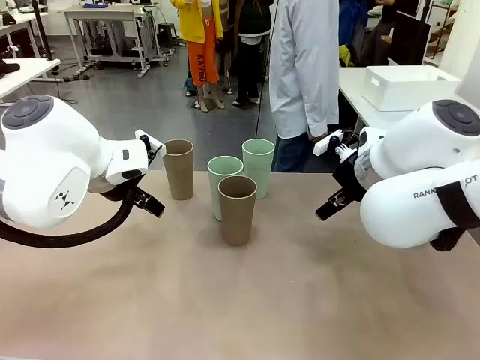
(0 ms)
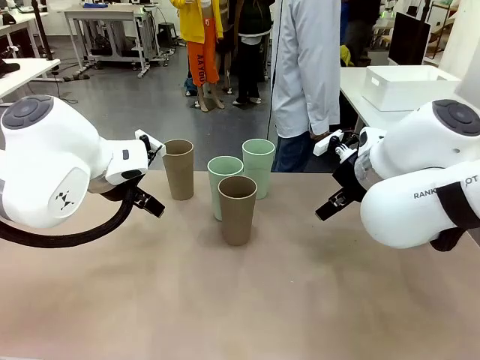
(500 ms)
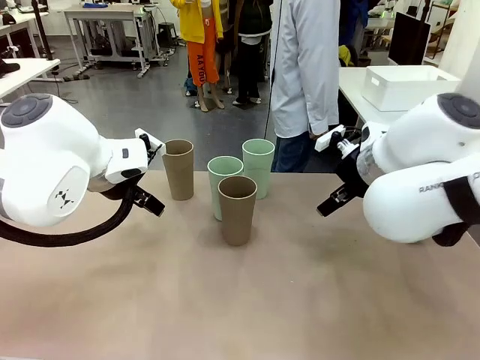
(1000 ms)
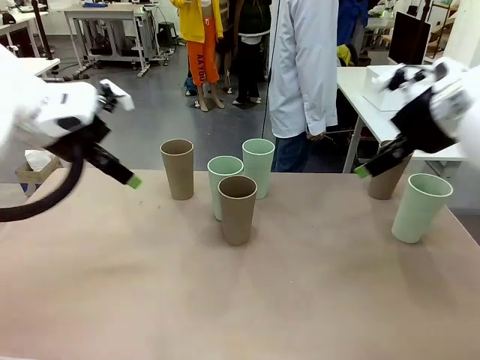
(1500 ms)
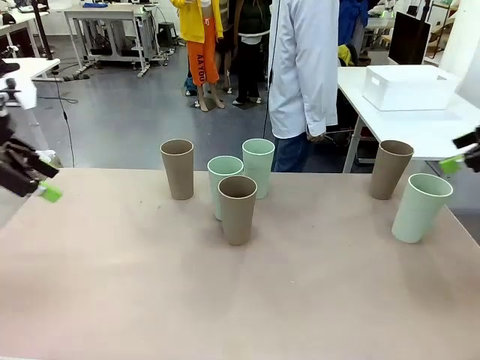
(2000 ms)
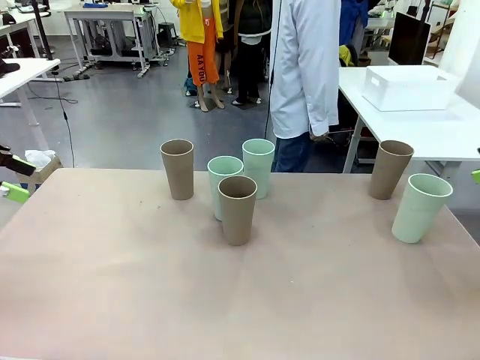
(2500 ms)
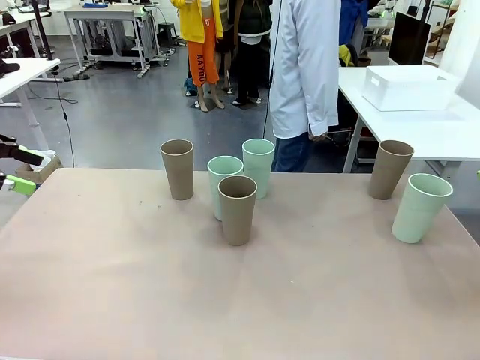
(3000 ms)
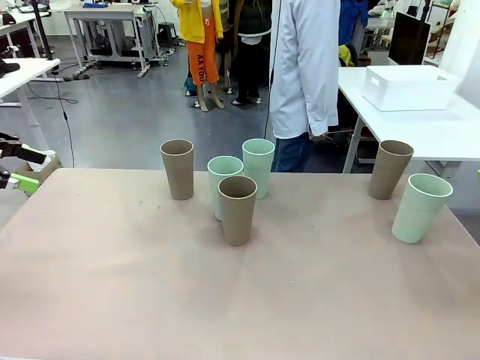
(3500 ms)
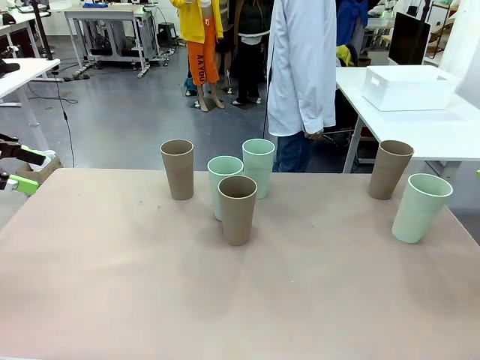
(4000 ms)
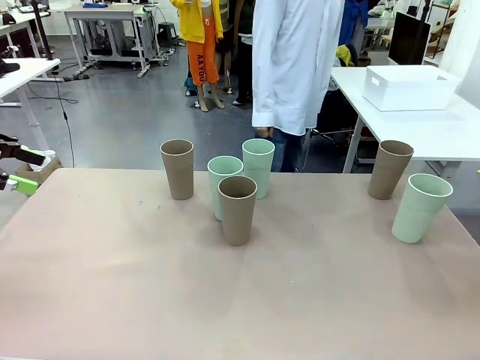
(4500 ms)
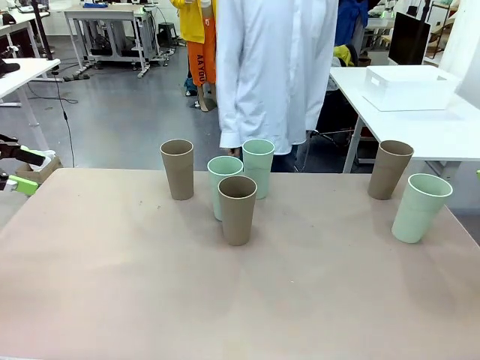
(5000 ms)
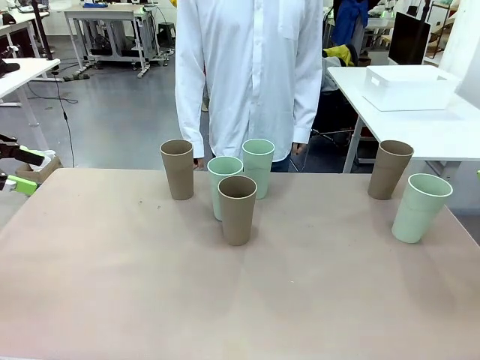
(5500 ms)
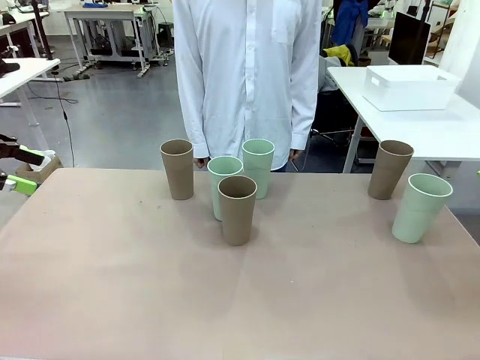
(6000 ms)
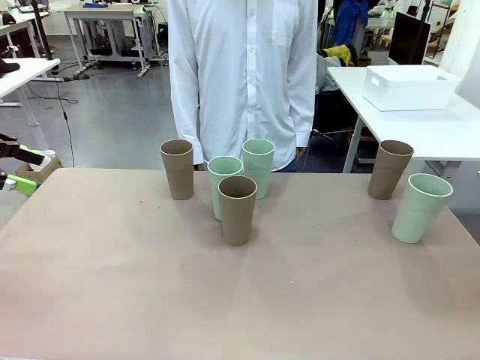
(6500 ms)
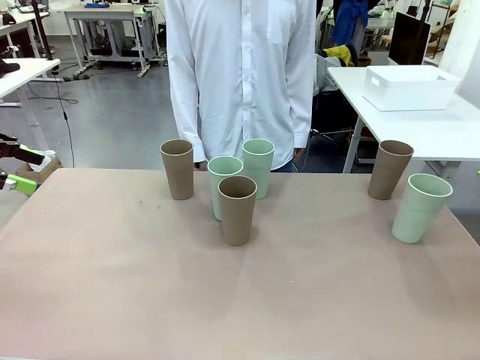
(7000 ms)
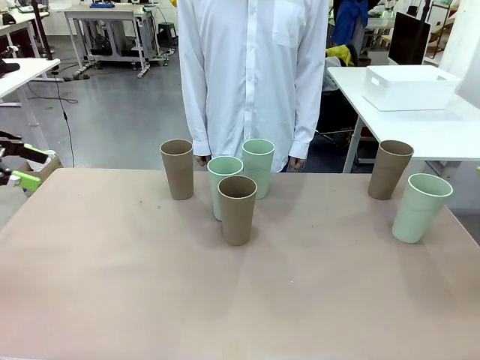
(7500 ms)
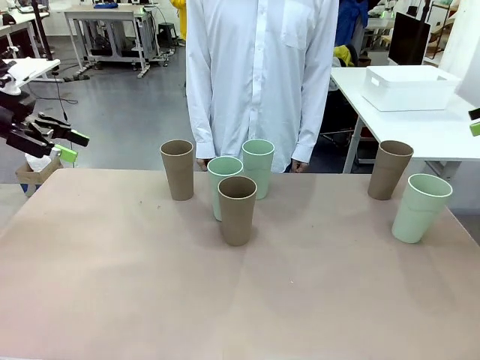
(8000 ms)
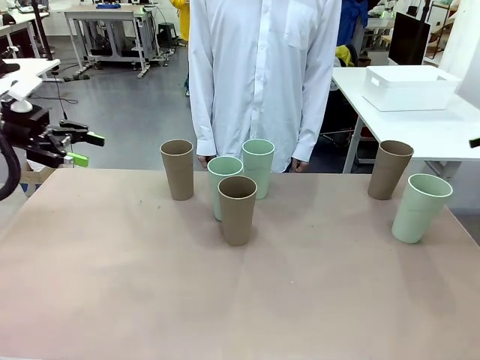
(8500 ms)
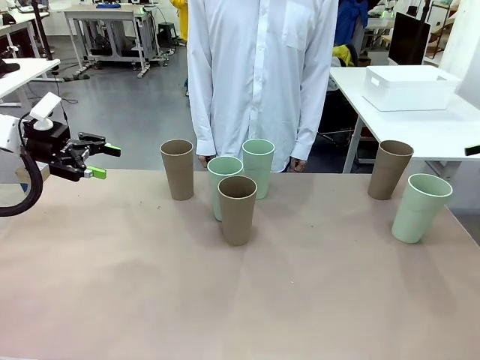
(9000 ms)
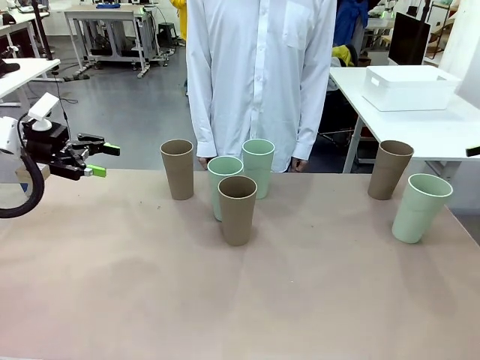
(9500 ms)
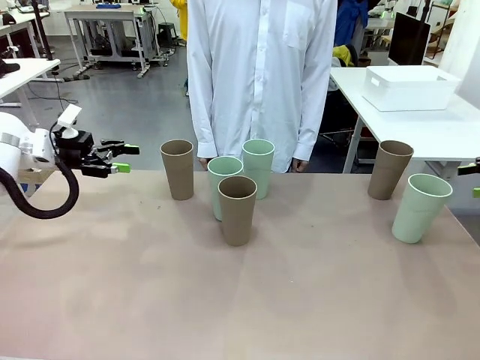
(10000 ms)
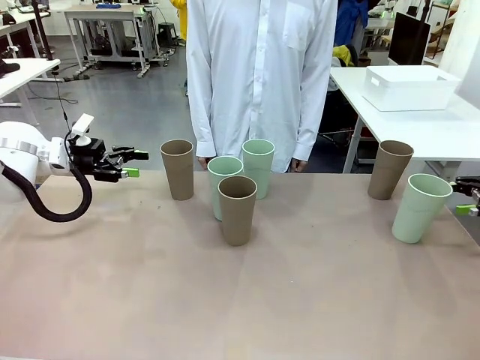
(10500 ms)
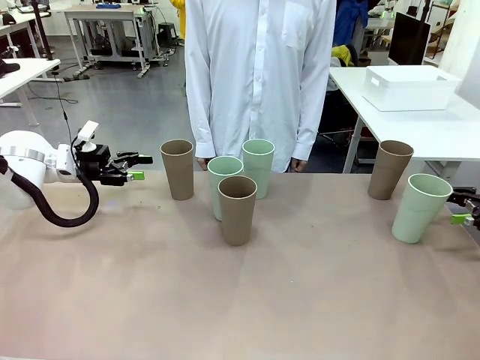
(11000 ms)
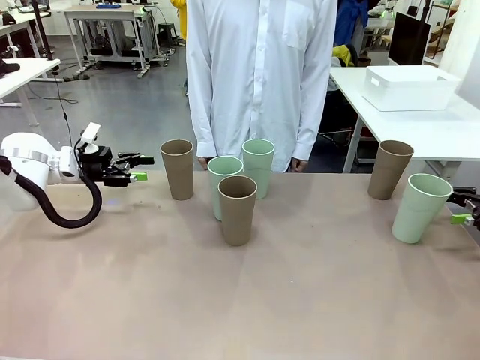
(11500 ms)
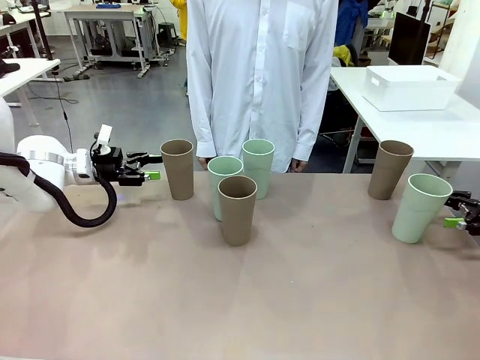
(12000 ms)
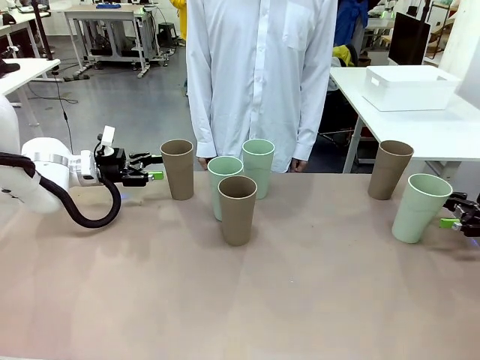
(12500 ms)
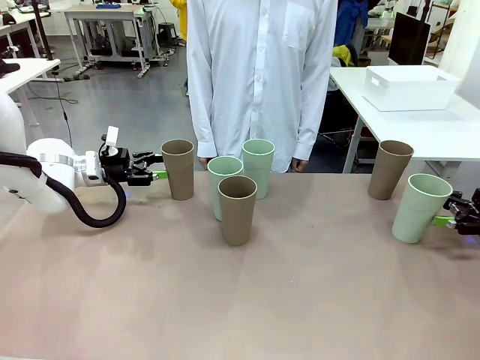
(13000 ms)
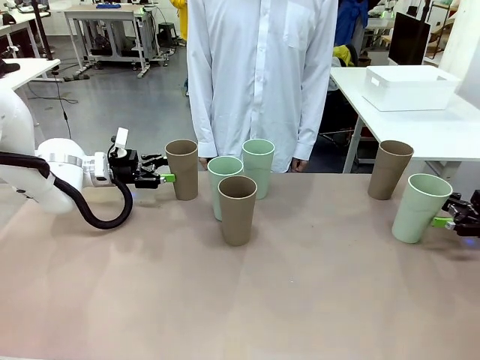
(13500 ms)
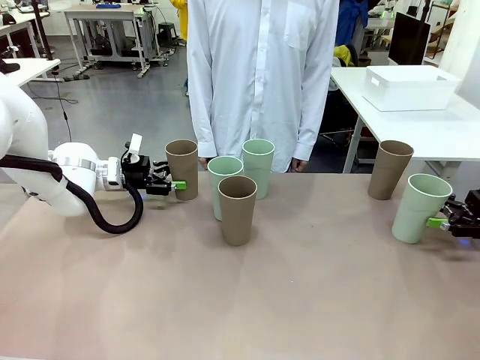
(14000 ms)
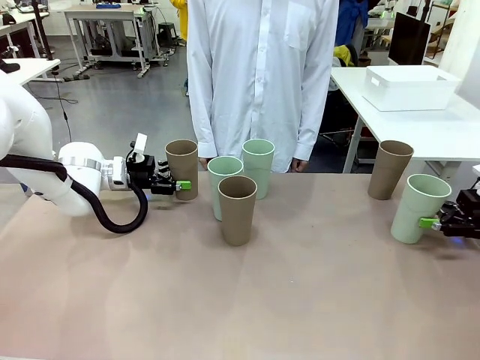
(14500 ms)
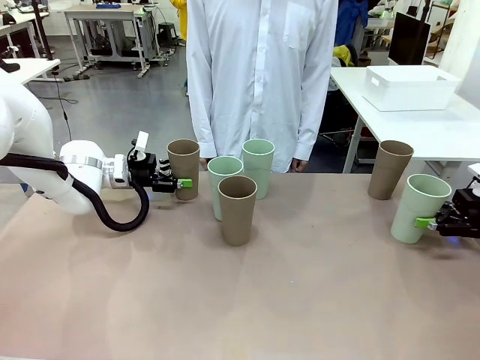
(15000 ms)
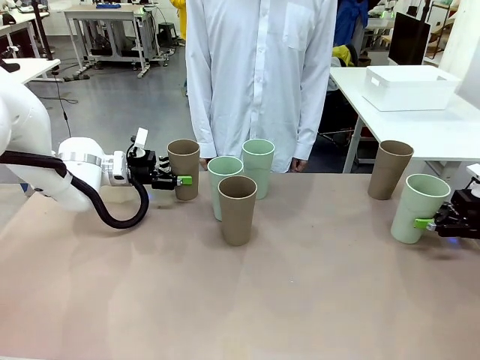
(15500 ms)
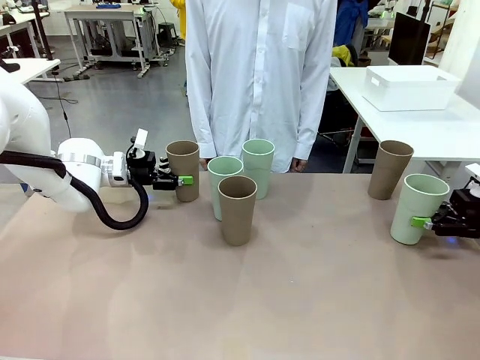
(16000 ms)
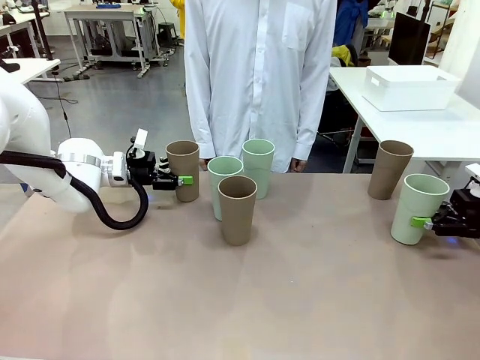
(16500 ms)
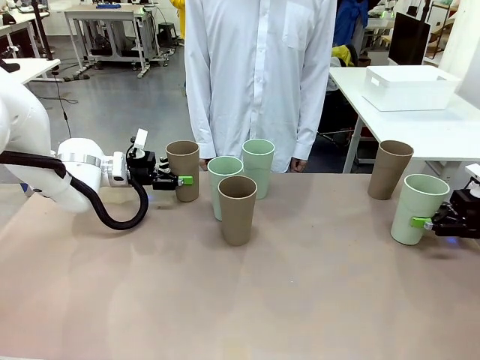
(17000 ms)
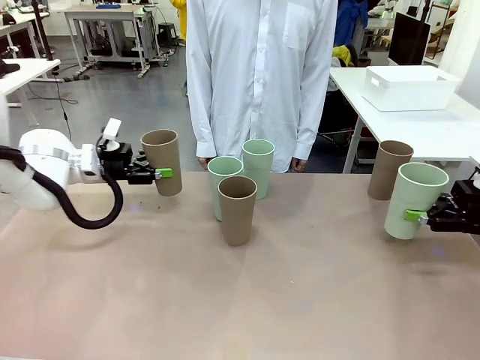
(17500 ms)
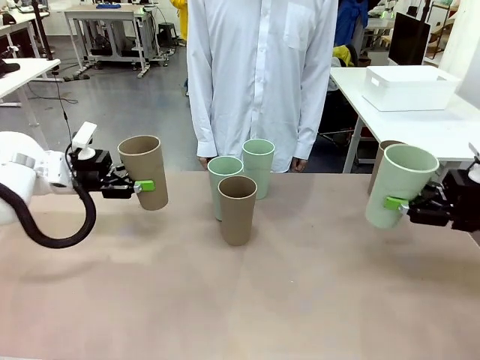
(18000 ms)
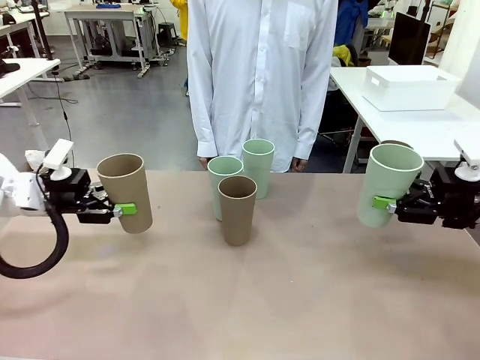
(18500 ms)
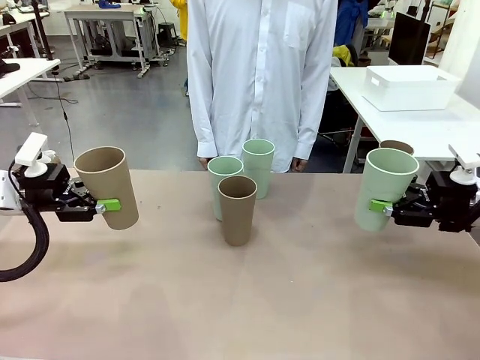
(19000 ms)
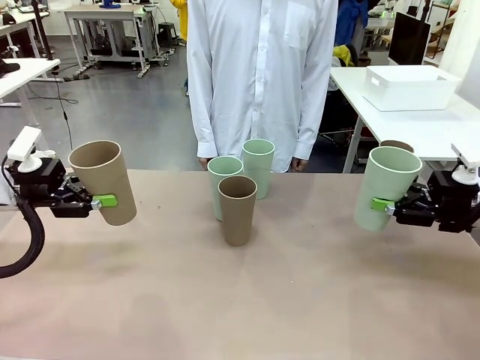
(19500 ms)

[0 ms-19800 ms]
Task: Stack the cups and store them in the basket.
Robot: Pick up two Reusable plastic cups , one in each hand.
Person: Move from the Human Table to the front of the Robot Table. Stack two of the remaining cups on top of each cup held by the robot.
